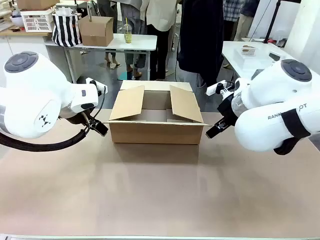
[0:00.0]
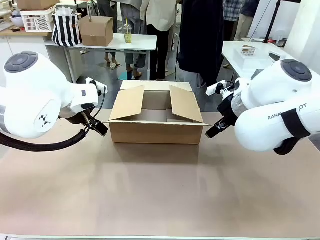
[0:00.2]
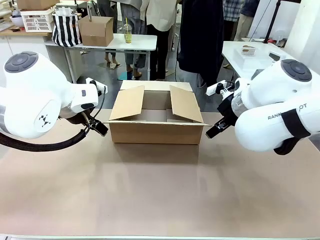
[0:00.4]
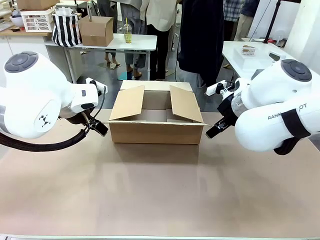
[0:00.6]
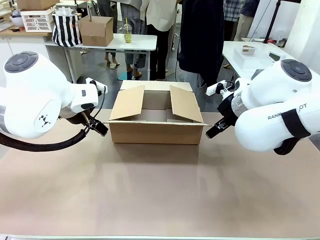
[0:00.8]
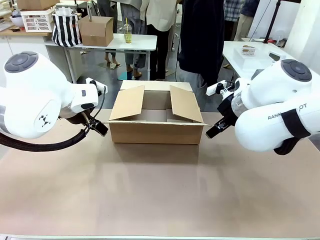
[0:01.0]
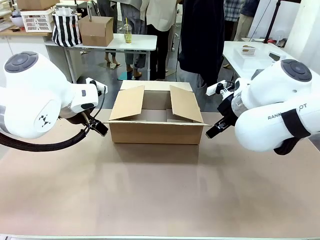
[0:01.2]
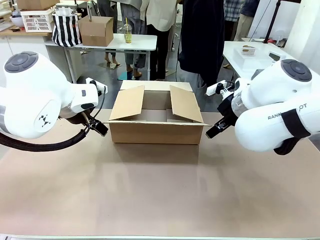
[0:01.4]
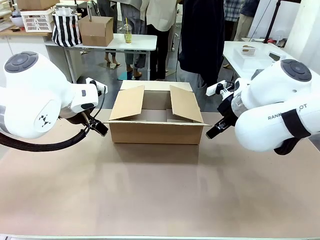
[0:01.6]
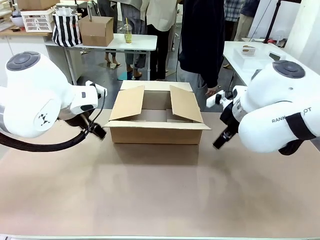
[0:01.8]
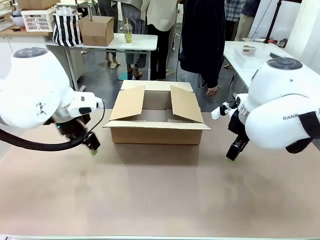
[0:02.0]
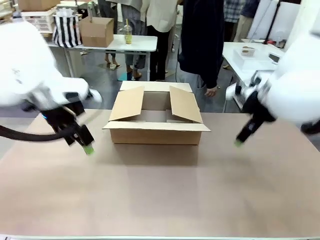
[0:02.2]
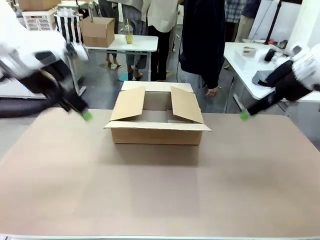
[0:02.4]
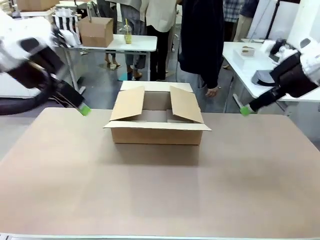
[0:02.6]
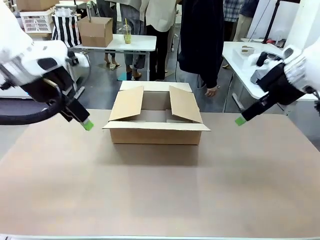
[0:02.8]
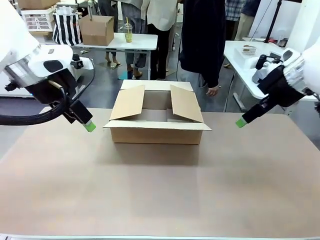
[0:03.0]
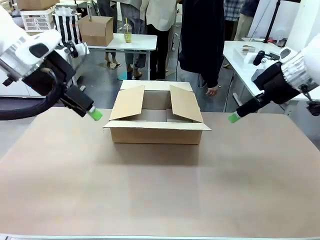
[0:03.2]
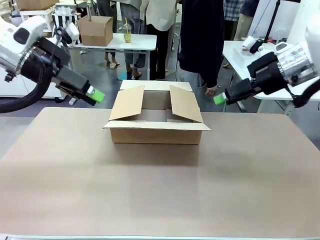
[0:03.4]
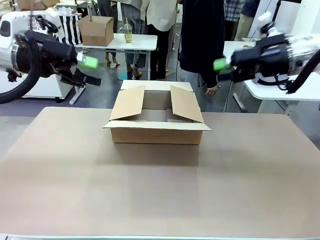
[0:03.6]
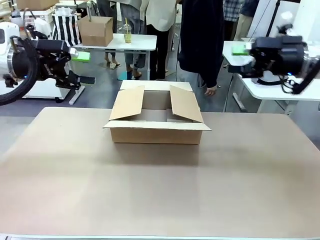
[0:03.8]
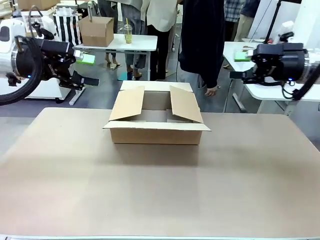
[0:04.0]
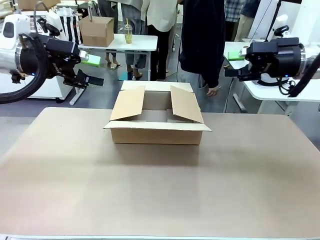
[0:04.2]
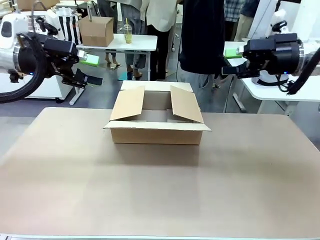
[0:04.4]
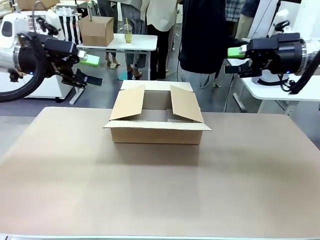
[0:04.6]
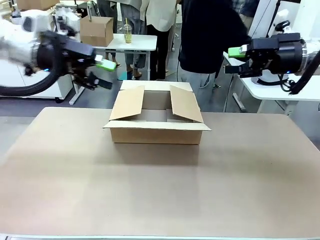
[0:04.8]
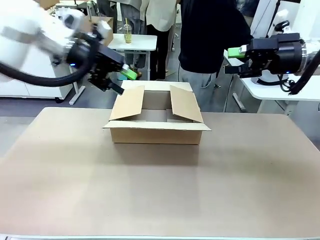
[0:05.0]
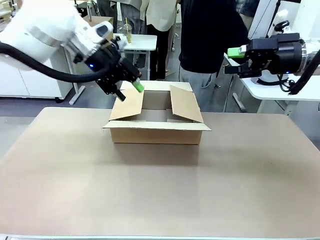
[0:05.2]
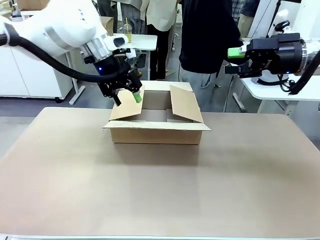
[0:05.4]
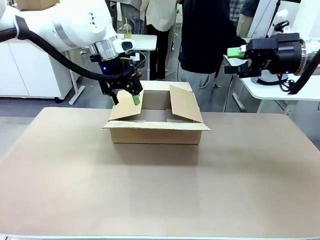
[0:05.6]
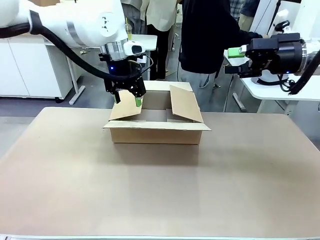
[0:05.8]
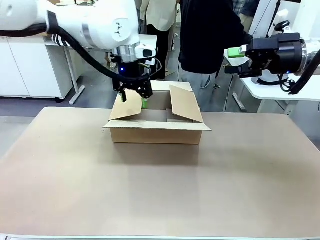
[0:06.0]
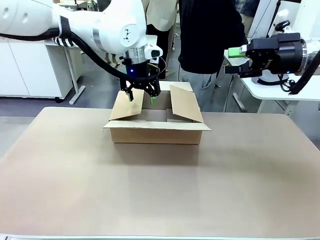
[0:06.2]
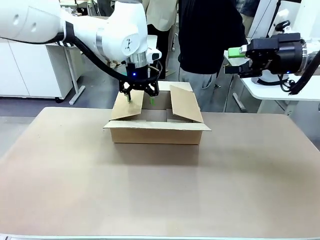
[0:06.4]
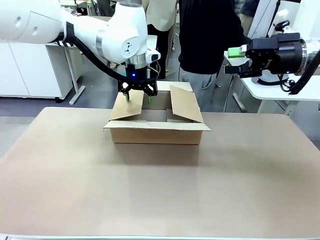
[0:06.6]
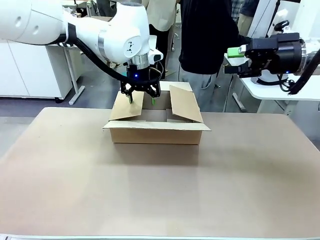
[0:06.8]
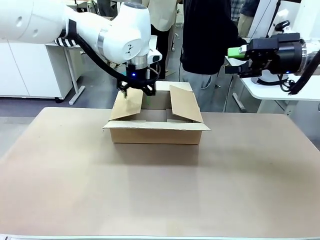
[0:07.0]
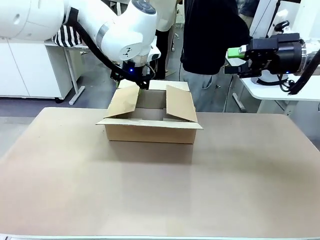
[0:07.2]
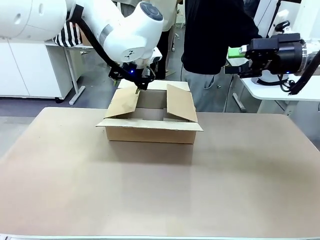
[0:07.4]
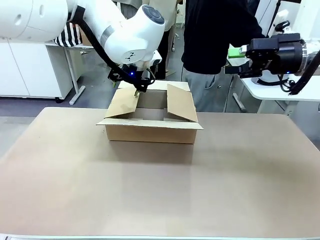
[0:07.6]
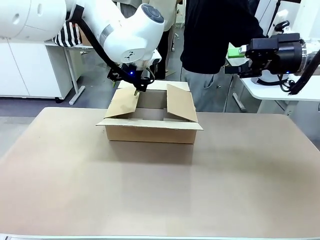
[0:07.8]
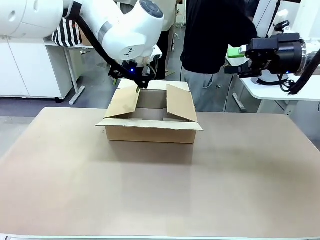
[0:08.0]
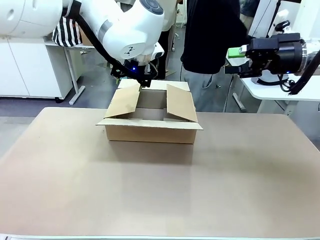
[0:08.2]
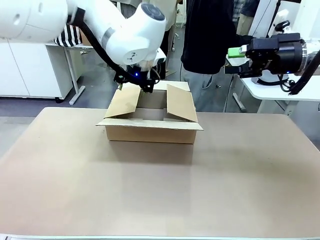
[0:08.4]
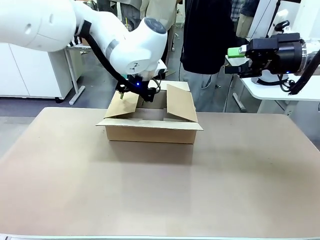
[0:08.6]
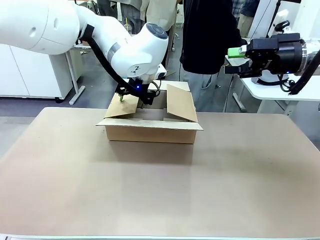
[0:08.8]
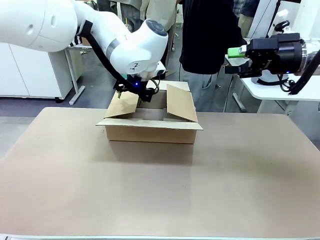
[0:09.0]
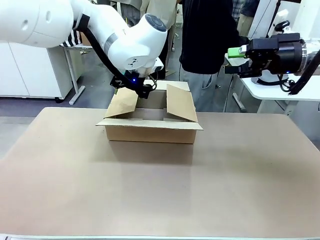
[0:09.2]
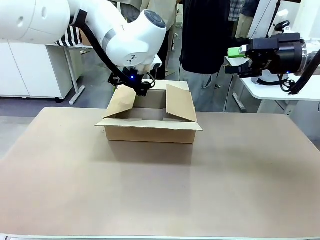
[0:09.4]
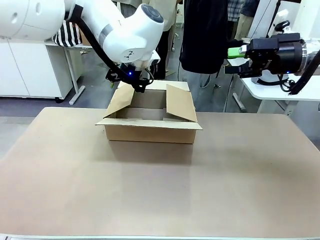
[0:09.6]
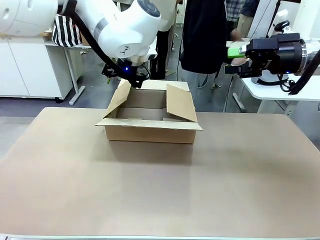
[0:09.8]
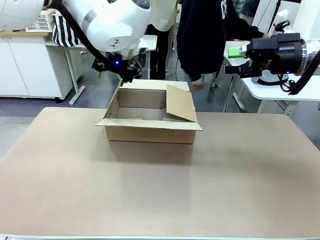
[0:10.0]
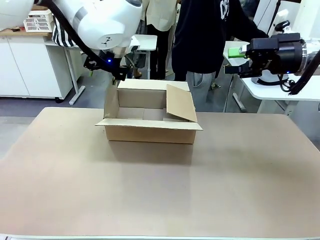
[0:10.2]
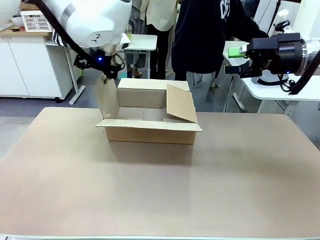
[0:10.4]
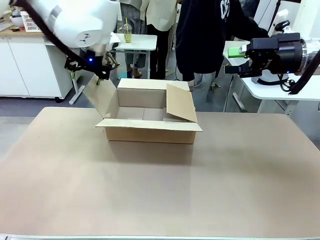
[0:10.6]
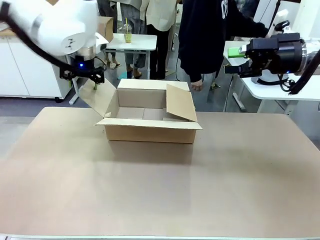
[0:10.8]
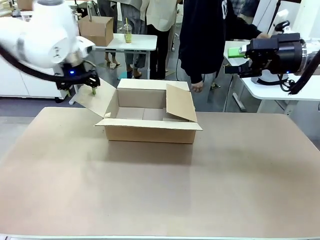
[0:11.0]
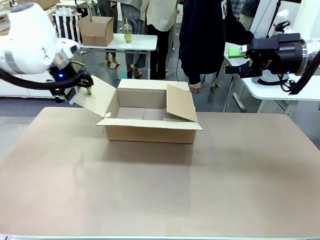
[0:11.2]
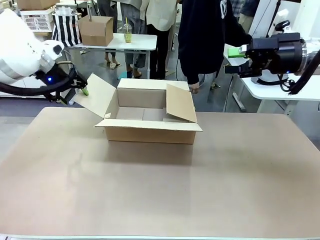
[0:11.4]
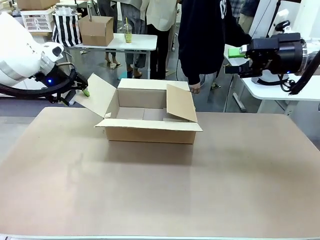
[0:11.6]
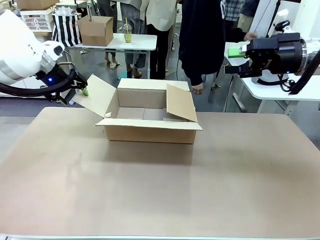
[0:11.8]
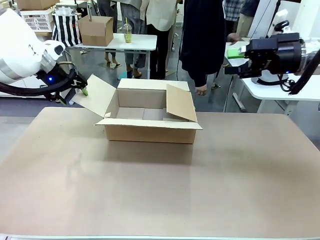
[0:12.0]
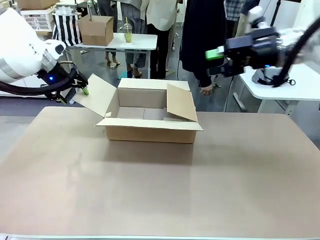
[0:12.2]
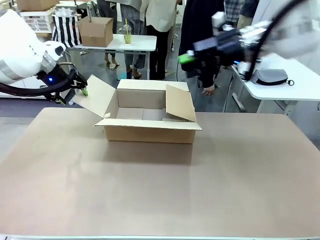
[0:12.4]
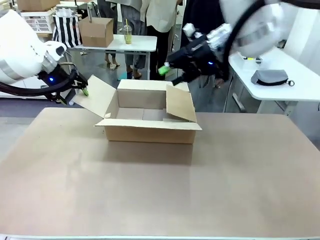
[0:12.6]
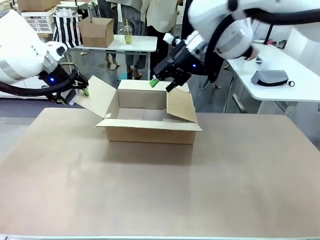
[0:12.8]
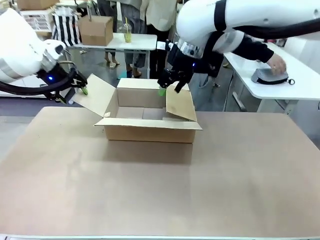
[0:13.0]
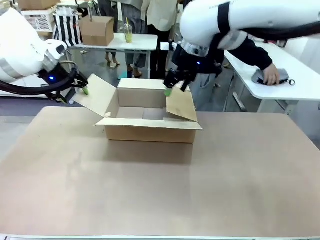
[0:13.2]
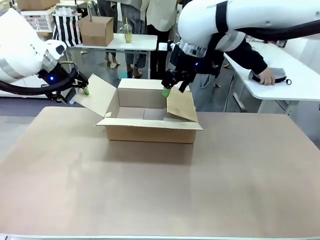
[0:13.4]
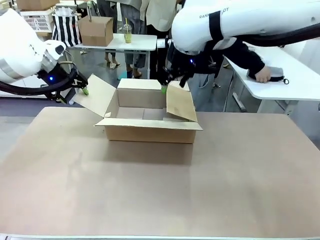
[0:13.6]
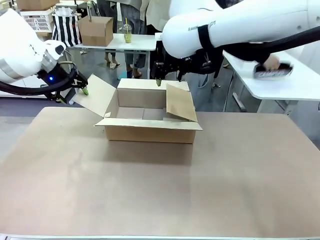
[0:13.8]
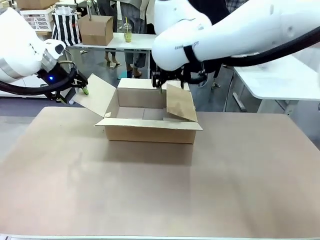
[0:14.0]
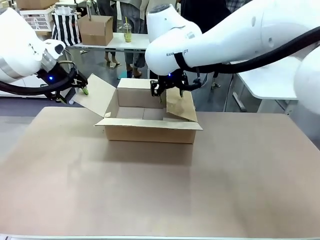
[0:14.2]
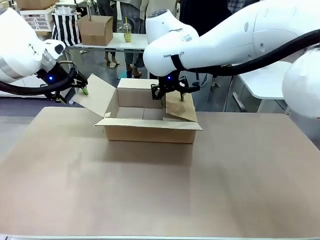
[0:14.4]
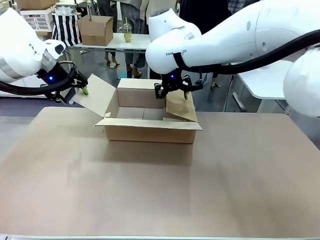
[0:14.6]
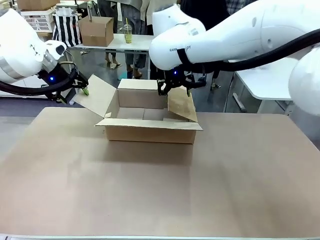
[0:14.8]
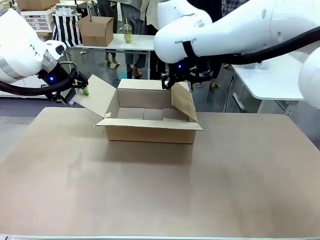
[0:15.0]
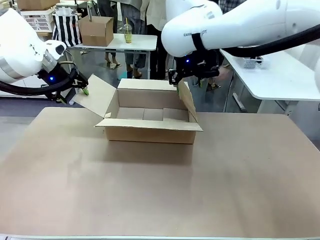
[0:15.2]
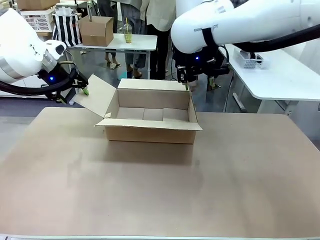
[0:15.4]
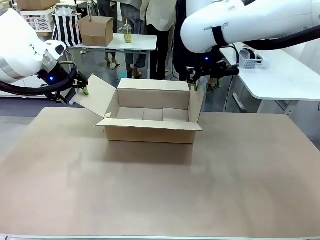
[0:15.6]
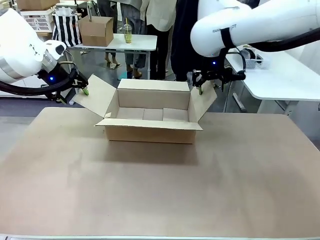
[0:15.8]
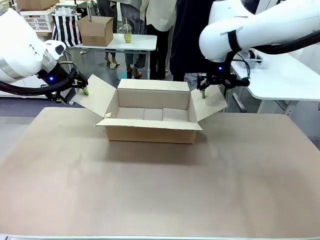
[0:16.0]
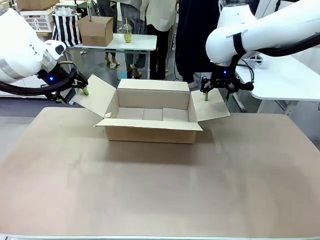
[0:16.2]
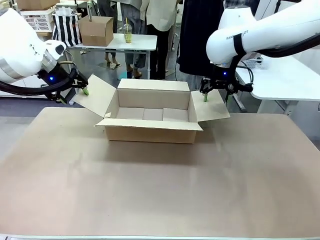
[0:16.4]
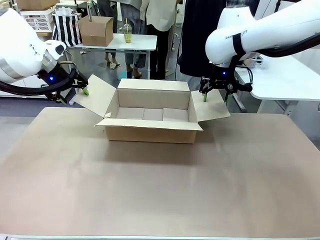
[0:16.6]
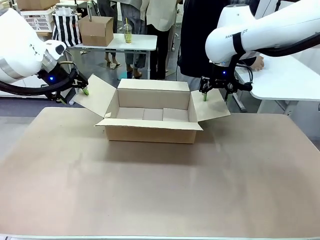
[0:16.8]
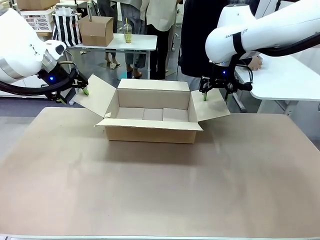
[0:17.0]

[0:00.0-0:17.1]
Task: Pack the gift set into the box.
Robot: Place both hands on the side flaps of the Package Box and spread them outward.
Person: The human places all items except the paper tape into the organizing basket.

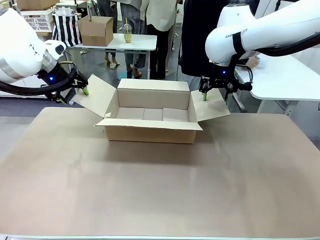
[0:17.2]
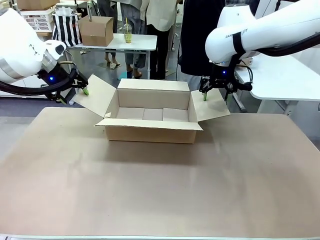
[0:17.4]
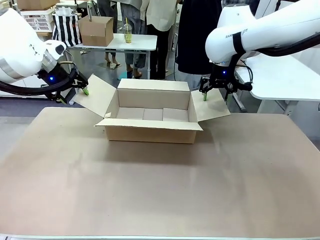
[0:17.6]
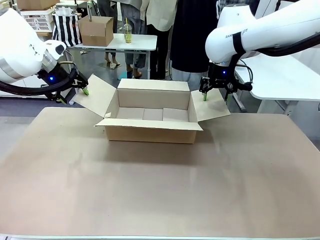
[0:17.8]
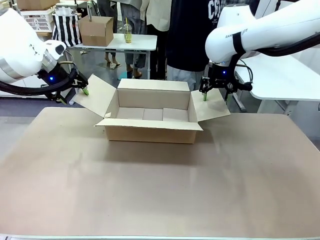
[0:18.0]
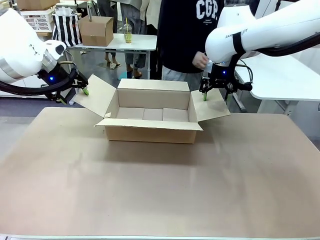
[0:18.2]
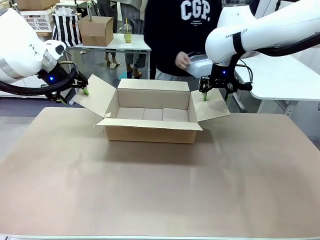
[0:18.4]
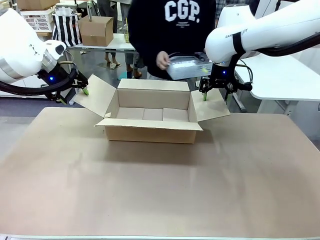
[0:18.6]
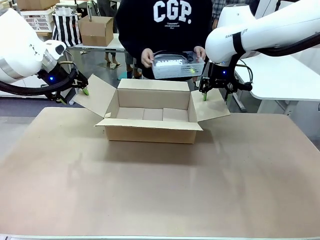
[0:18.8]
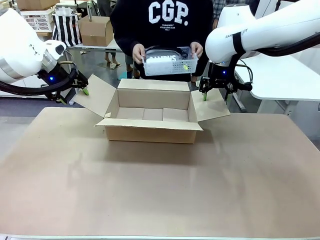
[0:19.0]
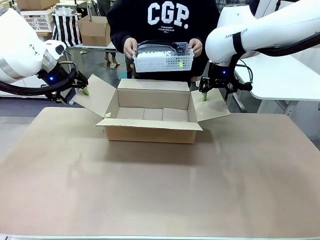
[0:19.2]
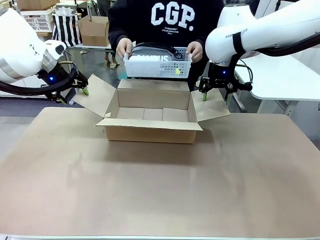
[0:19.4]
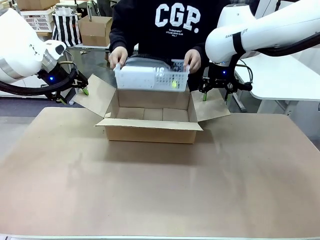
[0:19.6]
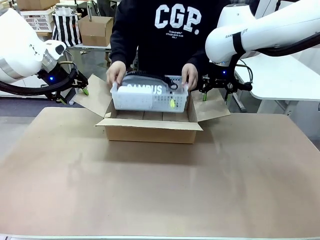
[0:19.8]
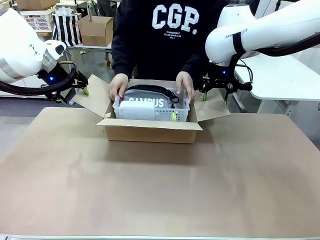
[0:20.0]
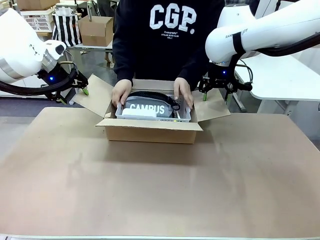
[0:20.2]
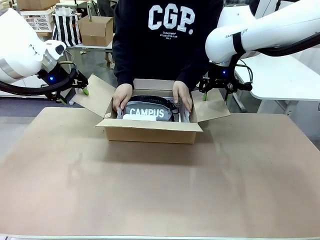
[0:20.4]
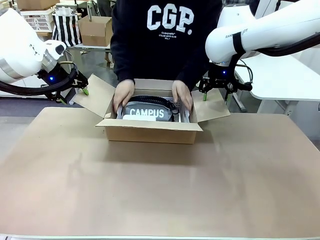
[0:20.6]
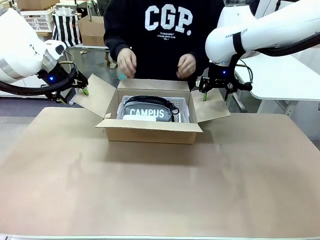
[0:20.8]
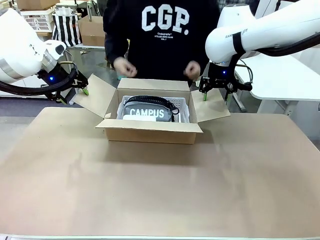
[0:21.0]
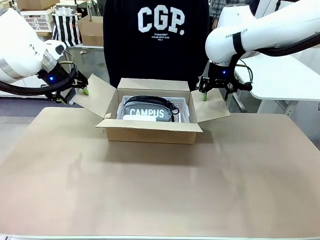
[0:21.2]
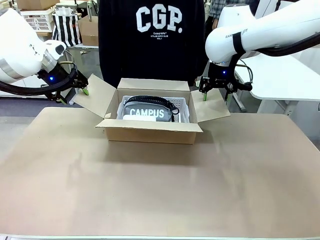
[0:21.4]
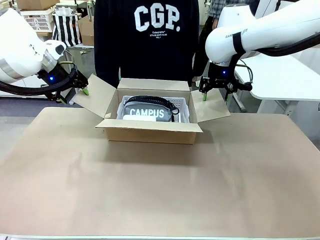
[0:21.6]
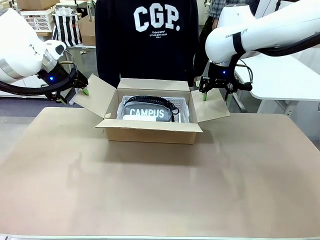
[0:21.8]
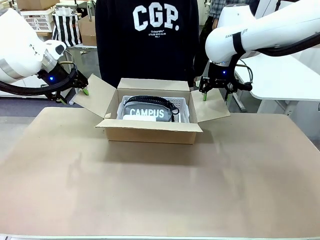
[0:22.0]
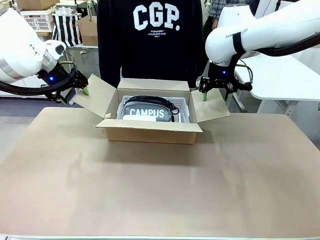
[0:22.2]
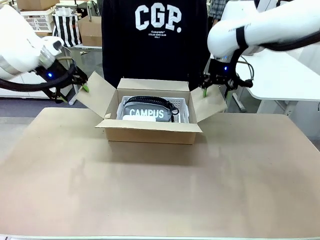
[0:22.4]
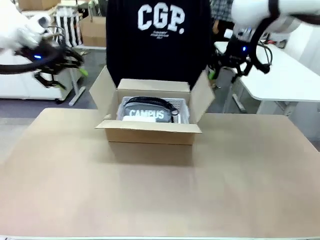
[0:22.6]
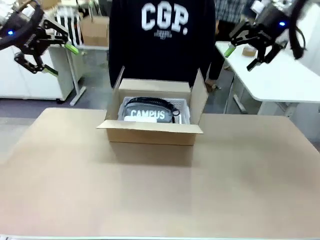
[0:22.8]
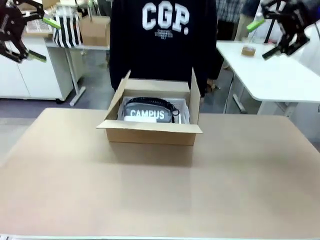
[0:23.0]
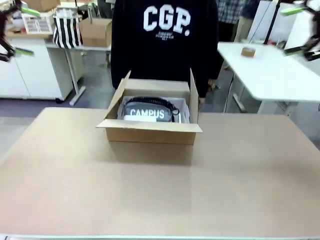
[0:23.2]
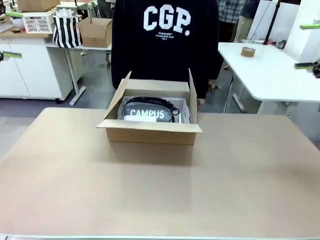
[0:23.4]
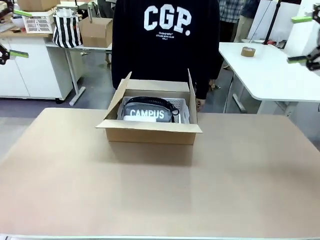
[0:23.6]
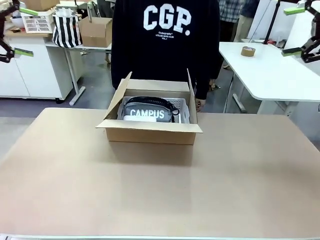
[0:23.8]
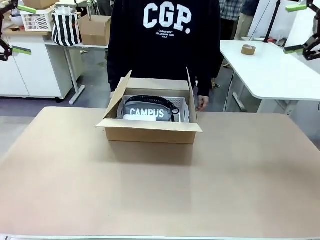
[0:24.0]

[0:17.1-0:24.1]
Robot: Lift both hands away from the flaps of the Package Box.
Person: The human picks up the organizing basket and places the organizing basket into the package box on the robot table.
